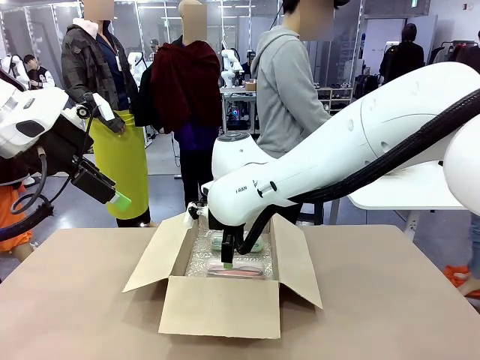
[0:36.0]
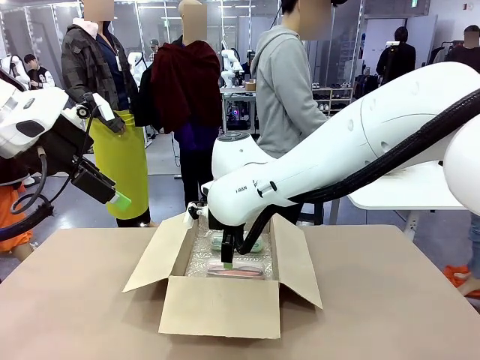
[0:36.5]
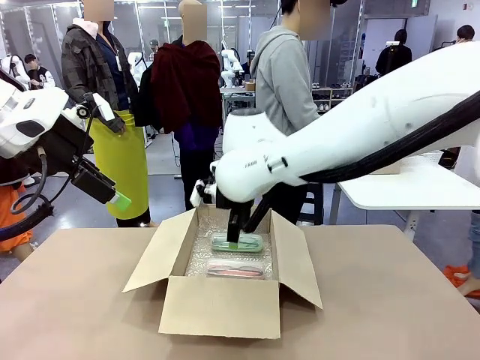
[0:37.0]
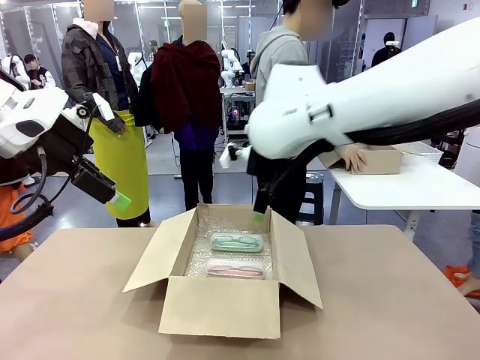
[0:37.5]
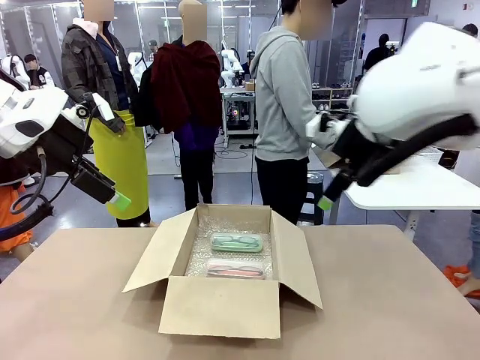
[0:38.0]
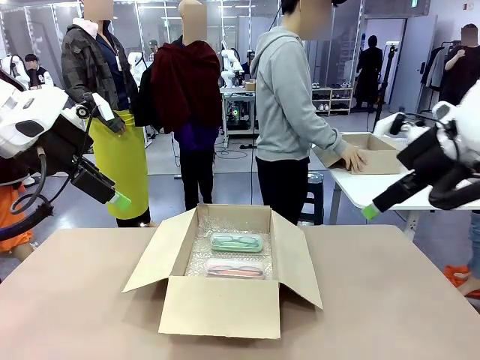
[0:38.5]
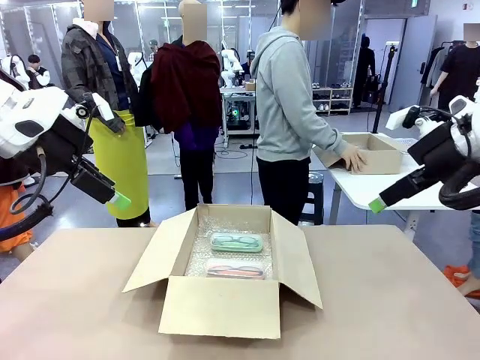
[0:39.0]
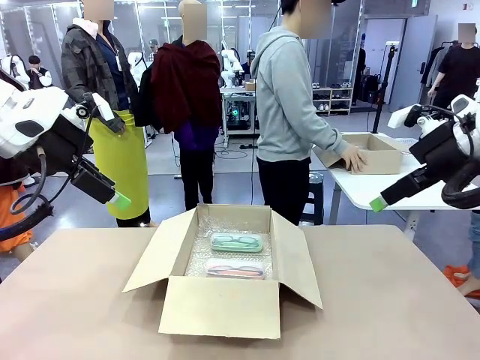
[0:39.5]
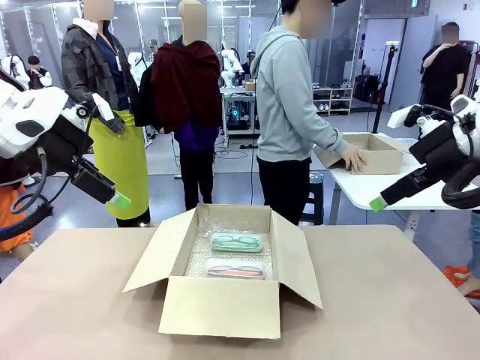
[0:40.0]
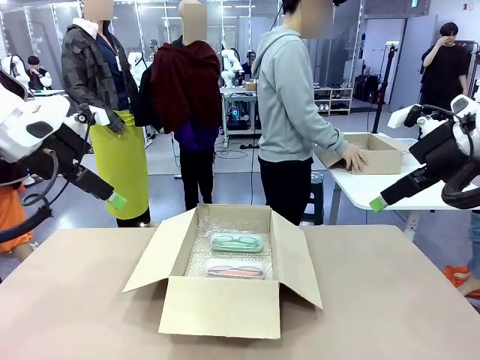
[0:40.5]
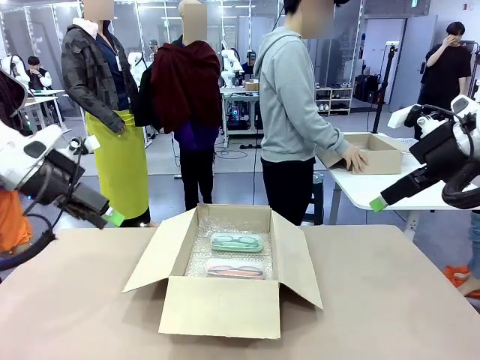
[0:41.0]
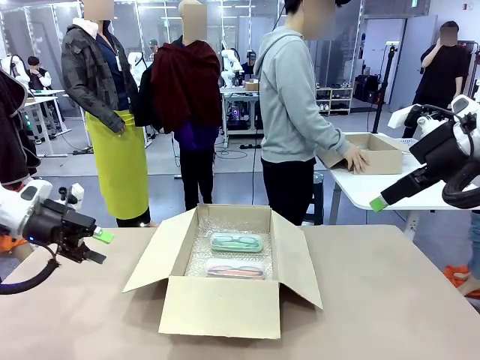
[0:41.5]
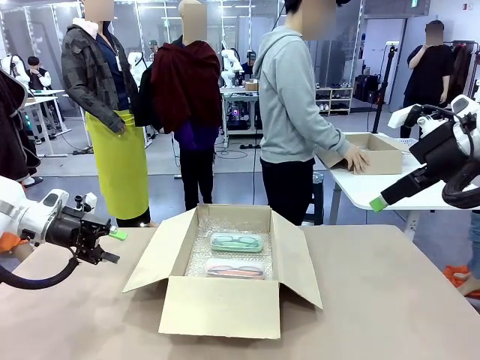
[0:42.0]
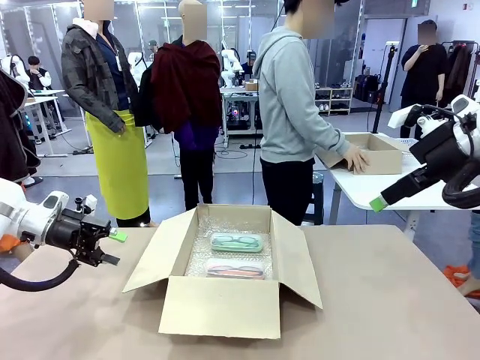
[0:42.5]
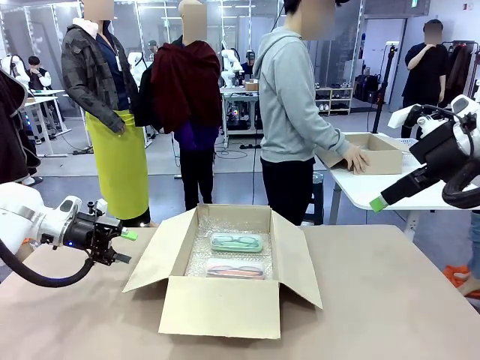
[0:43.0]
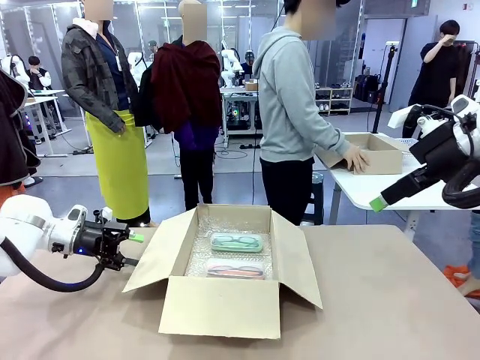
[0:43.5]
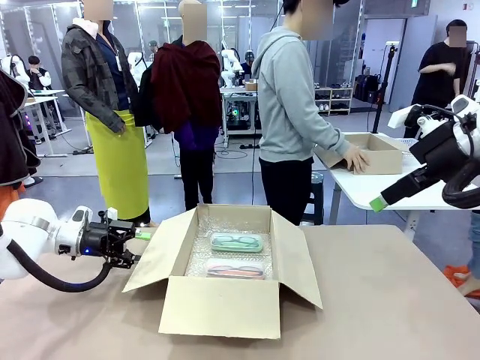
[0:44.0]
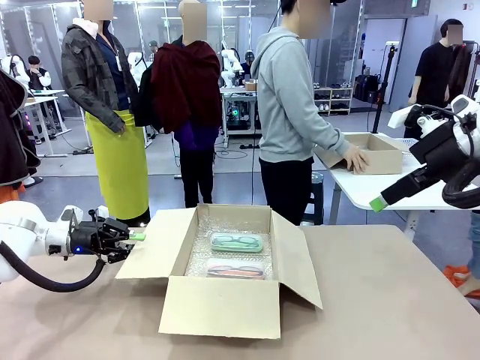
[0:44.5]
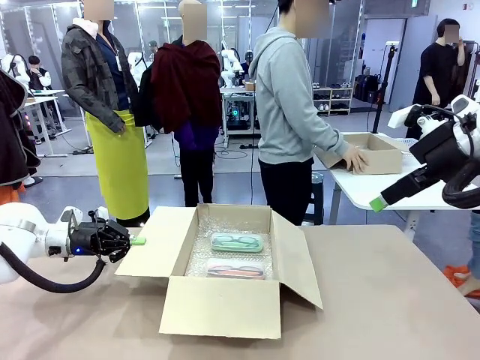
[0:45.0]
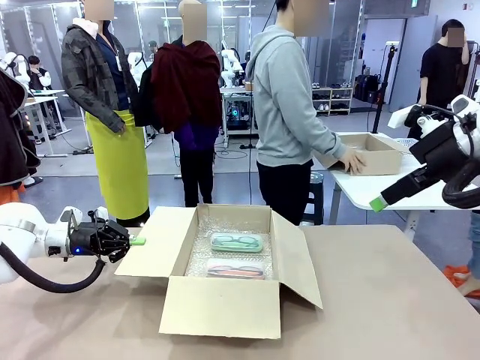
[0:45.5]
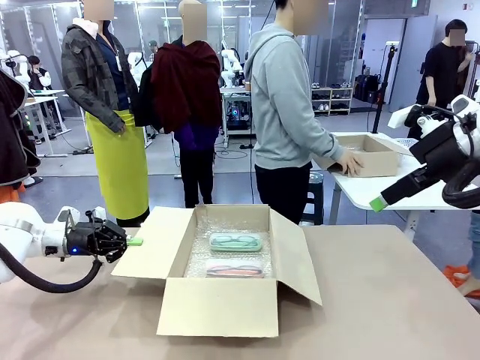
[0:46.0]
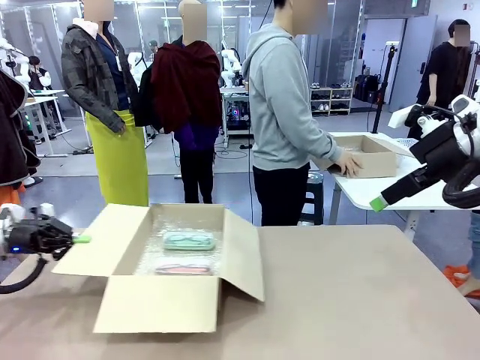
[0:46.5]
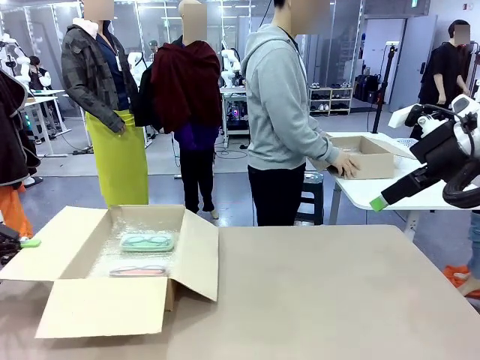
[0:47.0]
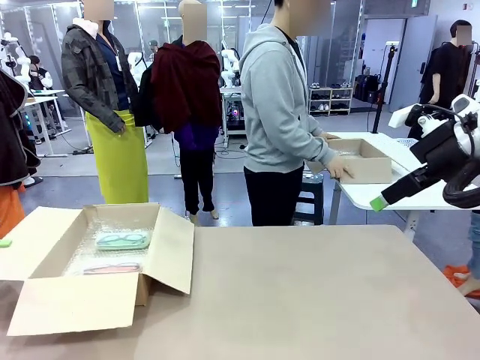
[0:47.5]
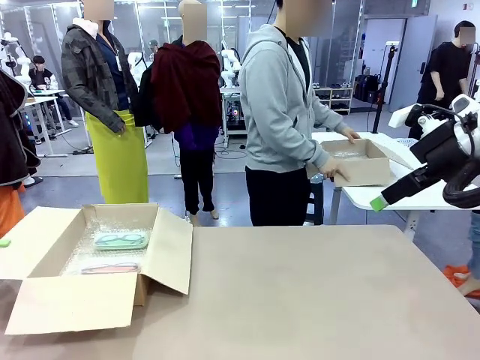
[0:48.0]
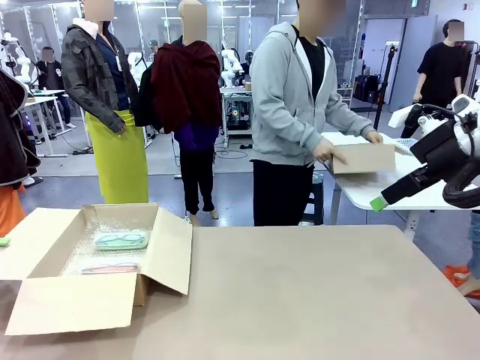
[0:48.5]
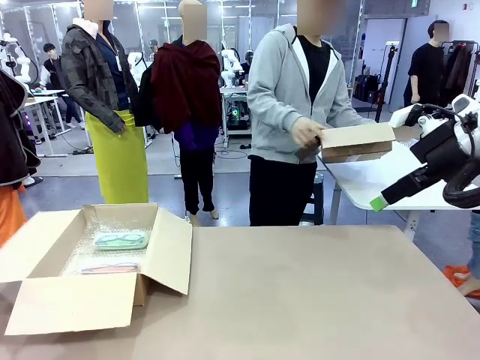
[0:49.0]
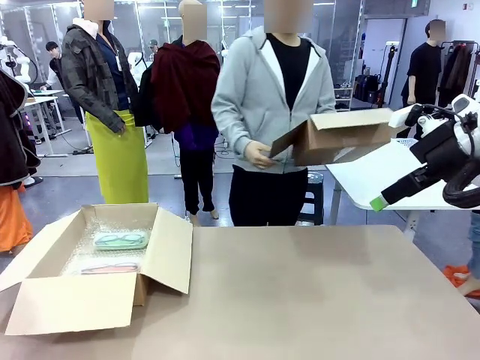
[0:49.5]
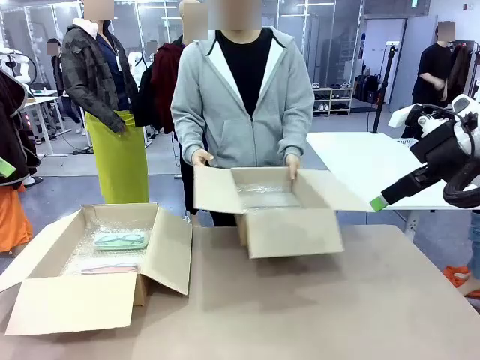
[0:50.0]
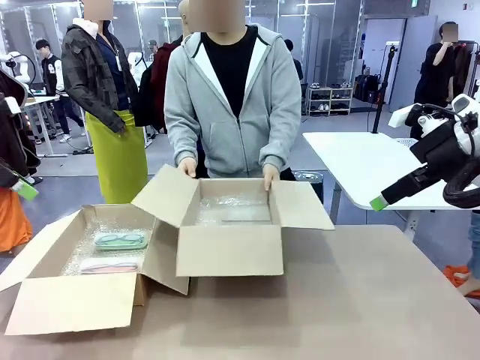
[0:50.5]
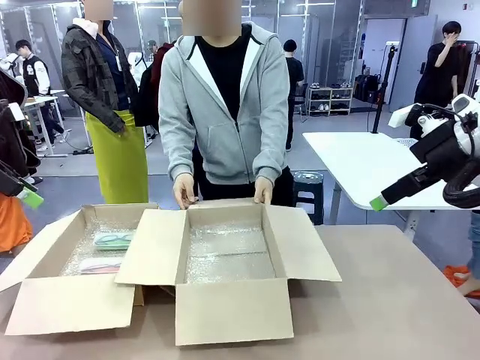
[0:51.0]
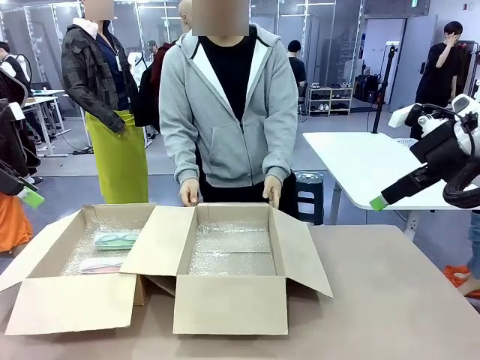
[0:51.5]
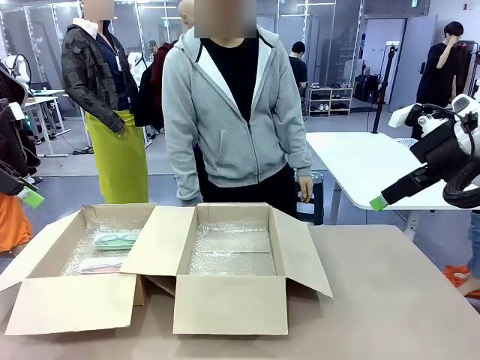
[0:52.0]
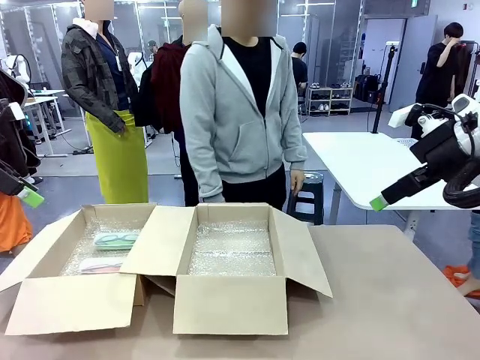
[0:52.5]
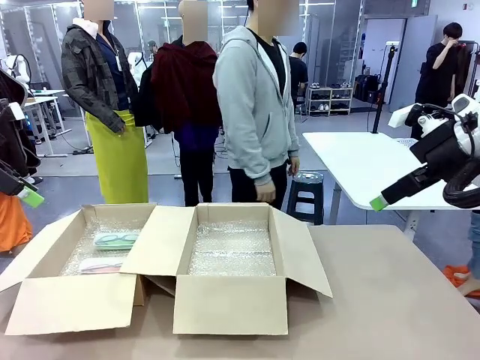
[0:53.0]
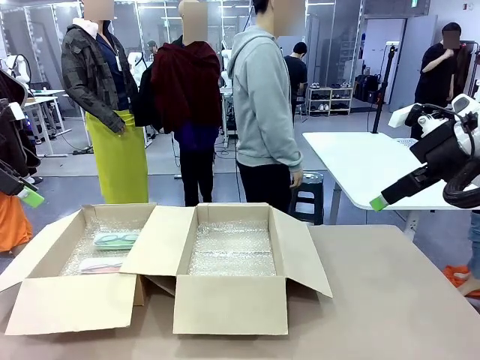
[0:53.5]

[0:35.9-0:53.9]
Task: Pack the glasses set securely to prepare it for shipping.
Robot: Position the Package Box on the left side of the table.
Person: Position the empty Package Box in the middle of the robot's table.

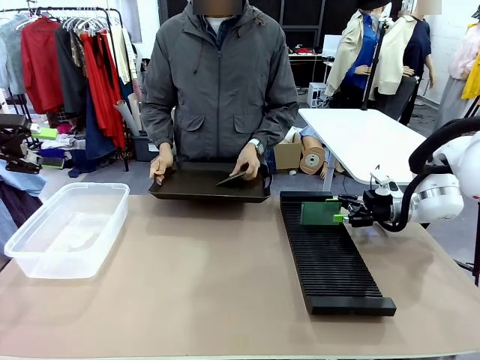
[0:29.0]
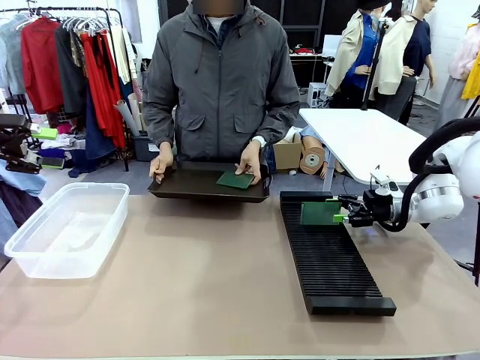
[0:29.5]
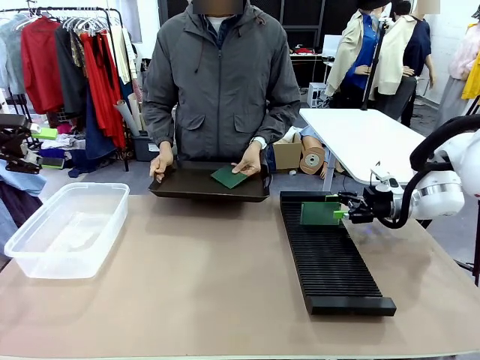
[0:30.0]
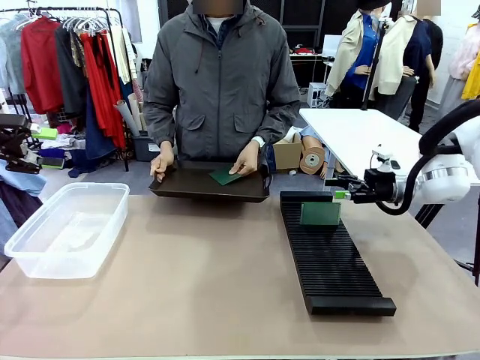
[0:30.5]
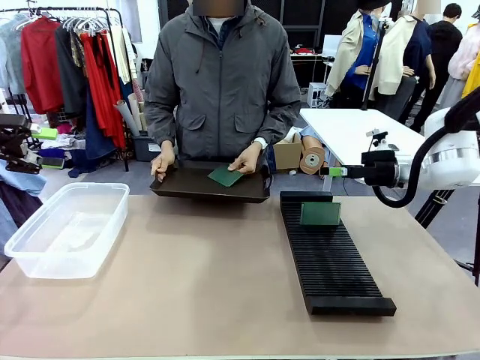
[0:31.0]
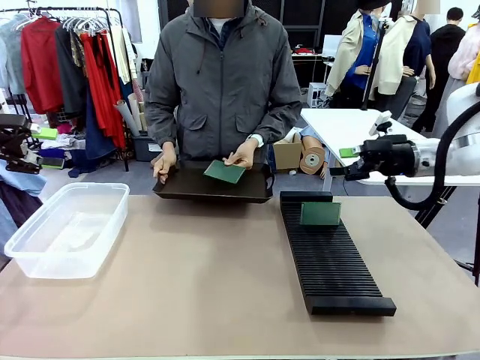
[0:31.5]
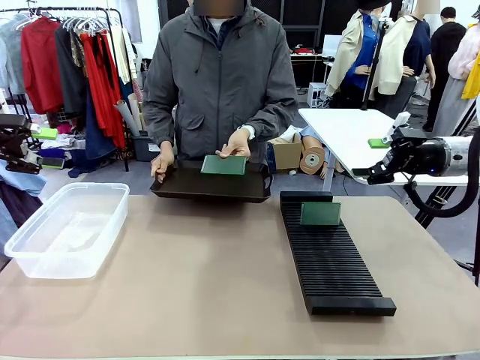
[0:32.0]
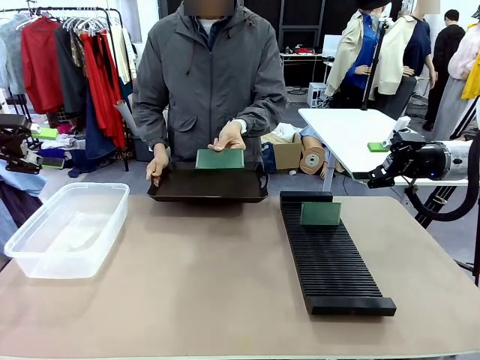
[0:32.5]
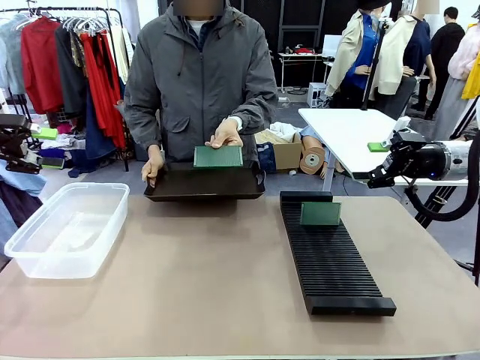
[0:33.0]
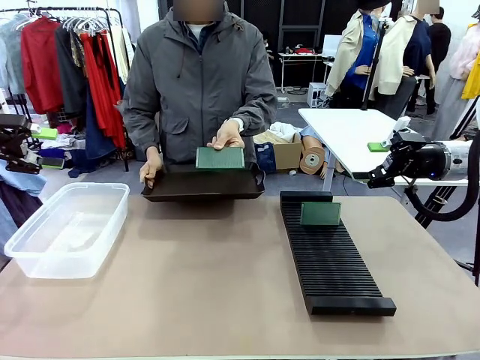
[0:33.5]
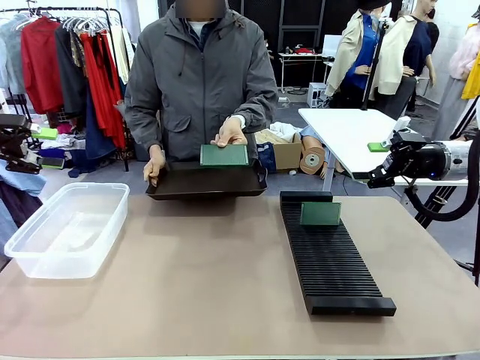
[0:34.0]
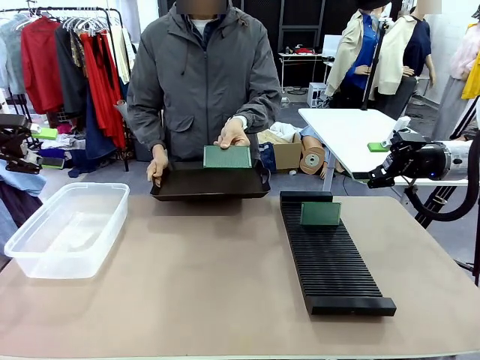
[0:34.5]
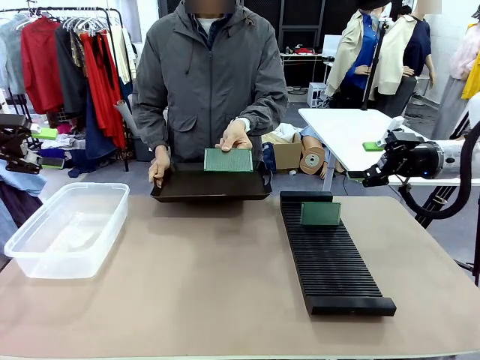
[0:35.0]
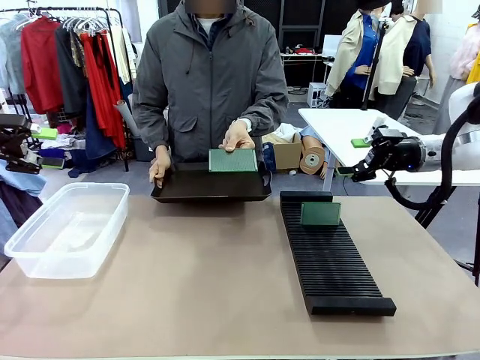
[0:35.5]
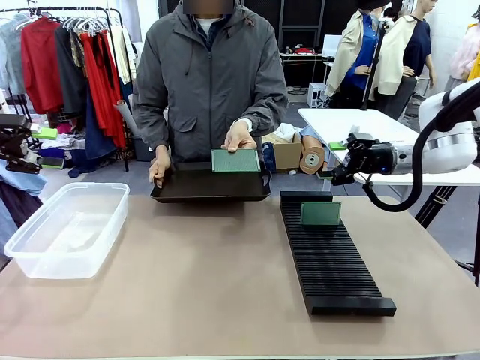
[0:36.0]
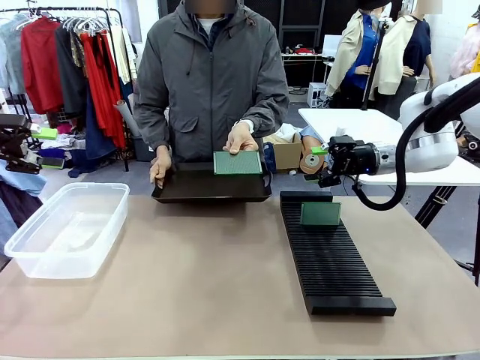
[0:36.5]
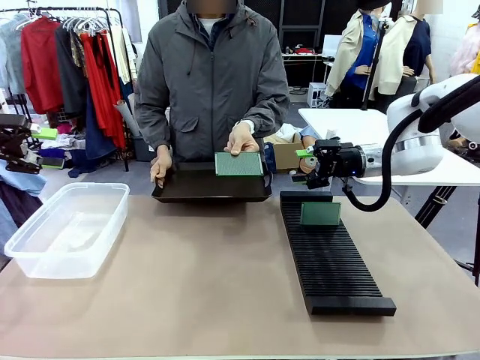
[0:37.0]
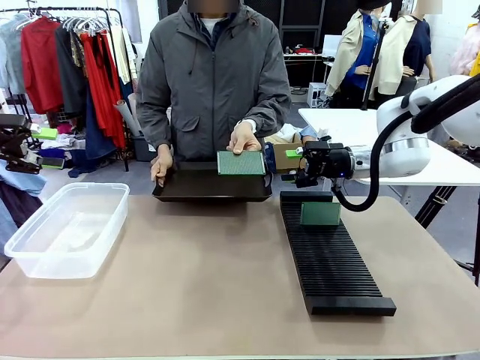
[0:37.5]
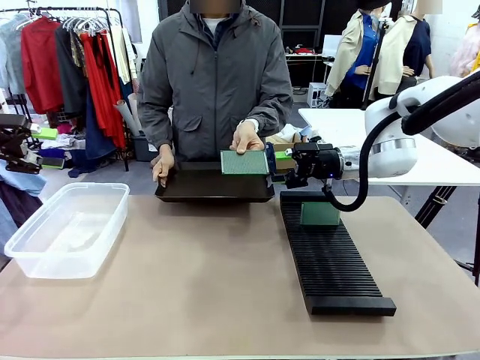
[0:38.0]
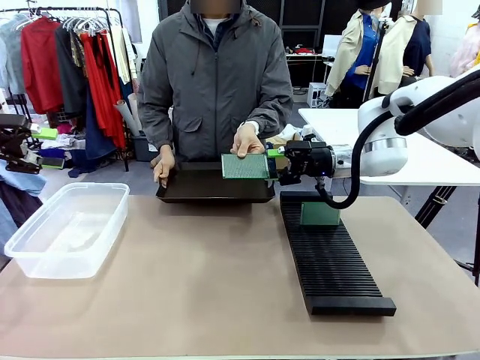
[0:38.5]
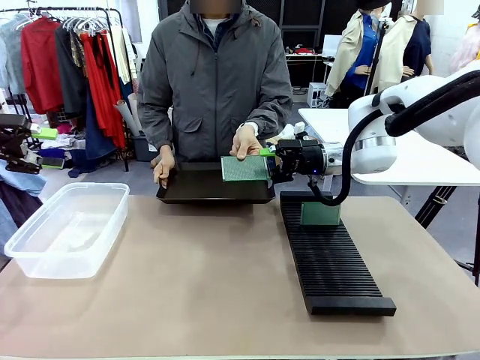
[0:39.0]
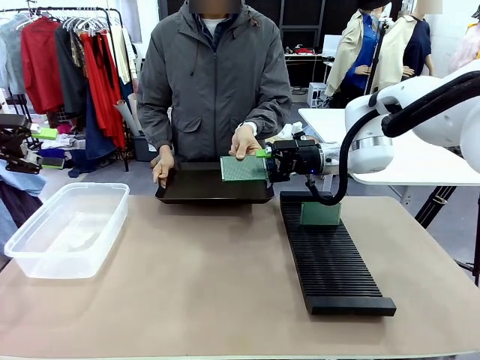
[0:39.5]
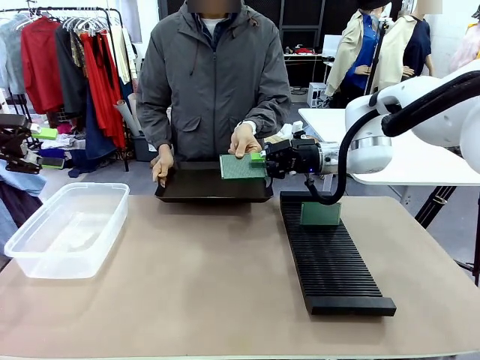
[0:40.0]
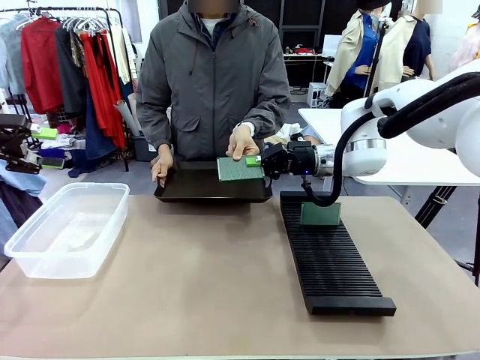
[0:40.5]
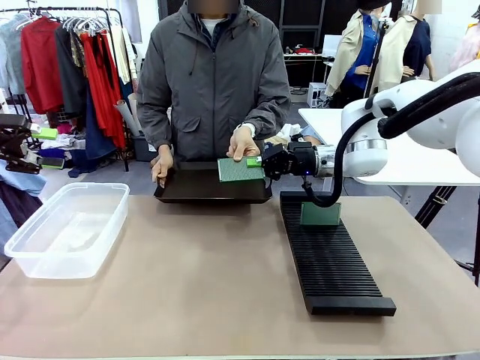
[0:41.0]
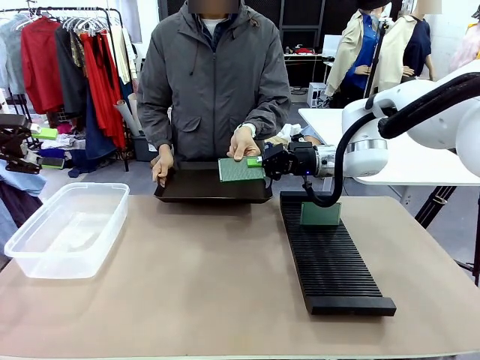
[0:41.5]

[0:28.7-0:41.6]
Task: Sort PCBs into racks and boxes based on the side picked up.
Robot: Pick up the Blank PCB handed by the Human.
